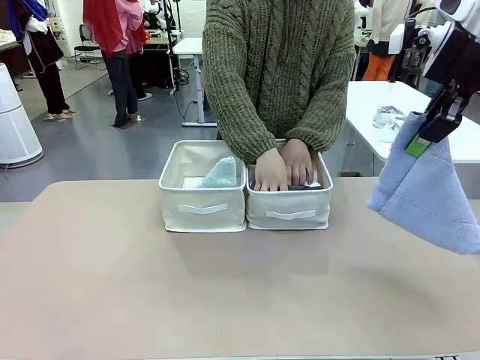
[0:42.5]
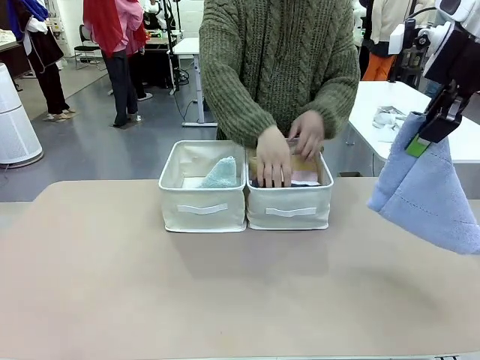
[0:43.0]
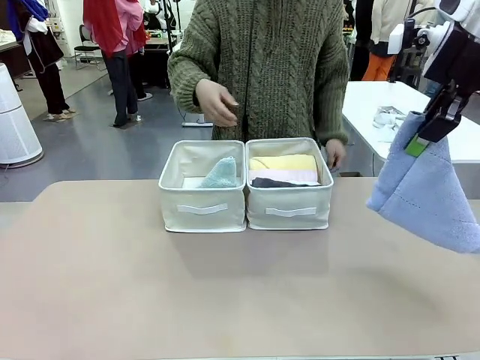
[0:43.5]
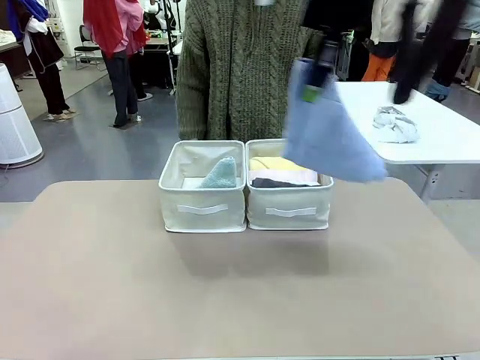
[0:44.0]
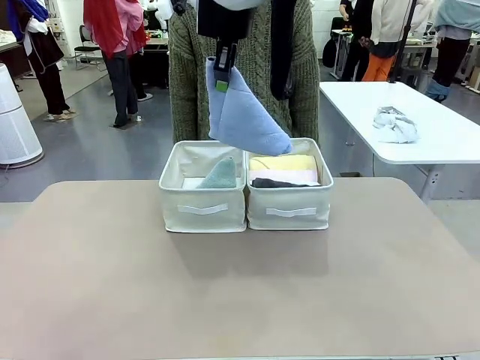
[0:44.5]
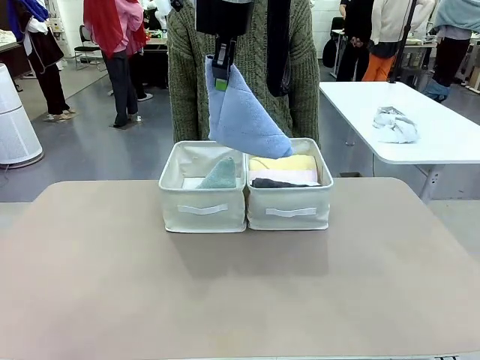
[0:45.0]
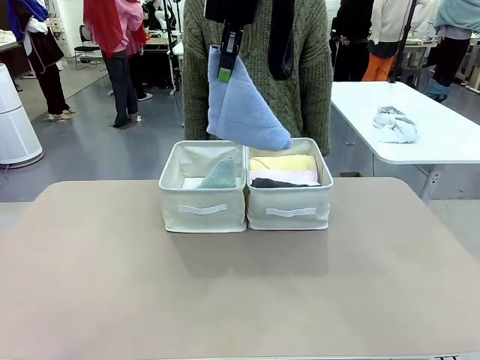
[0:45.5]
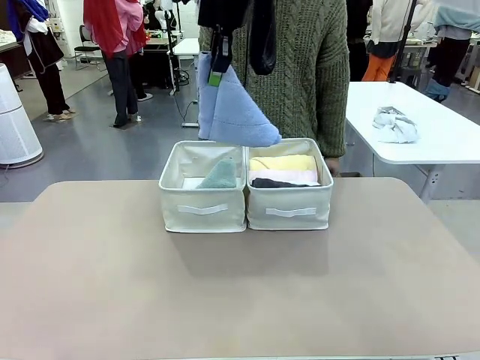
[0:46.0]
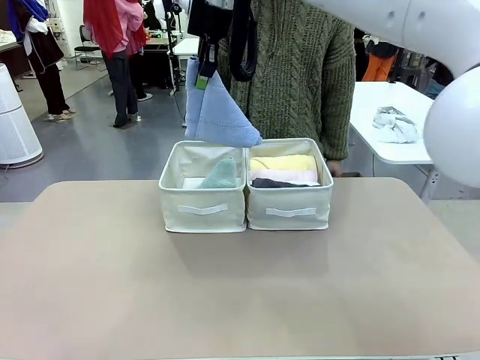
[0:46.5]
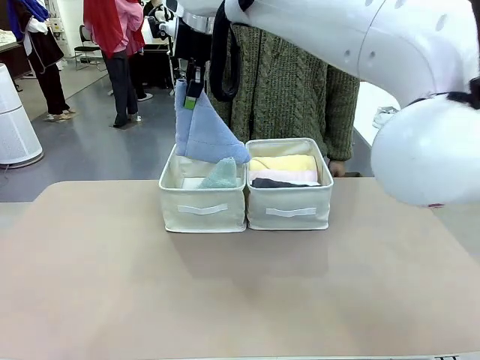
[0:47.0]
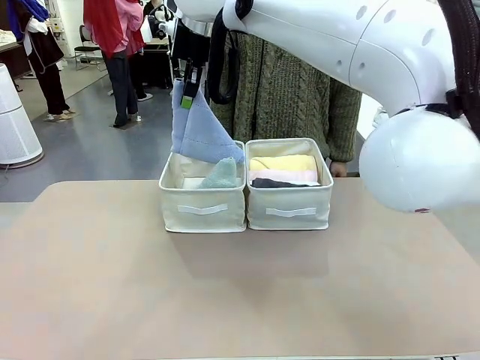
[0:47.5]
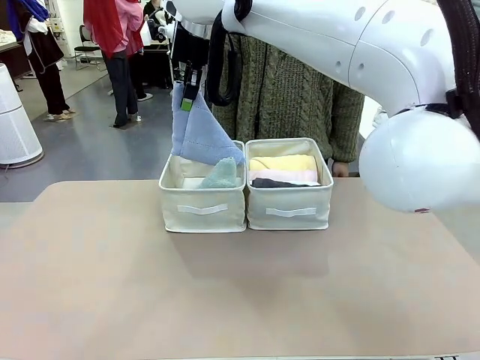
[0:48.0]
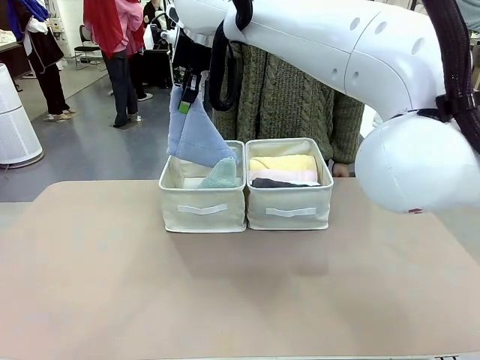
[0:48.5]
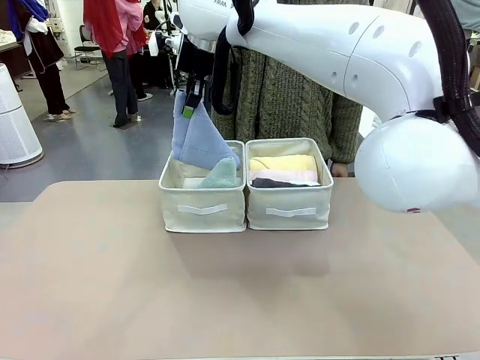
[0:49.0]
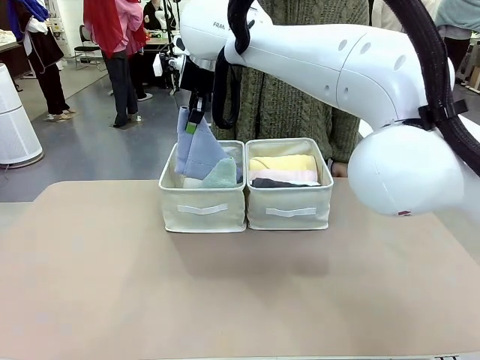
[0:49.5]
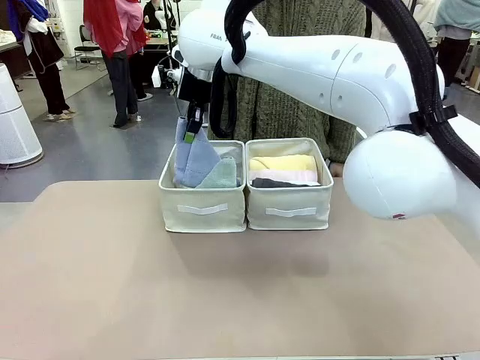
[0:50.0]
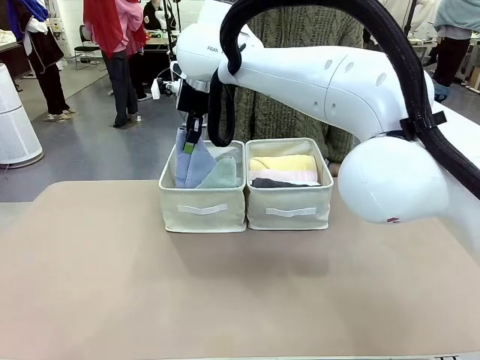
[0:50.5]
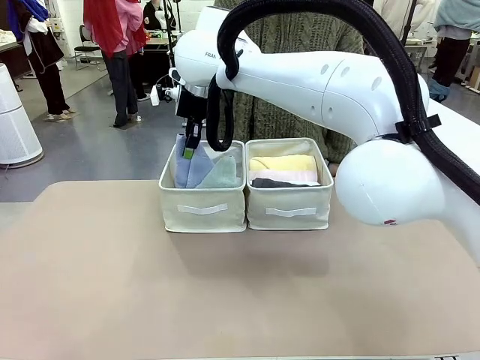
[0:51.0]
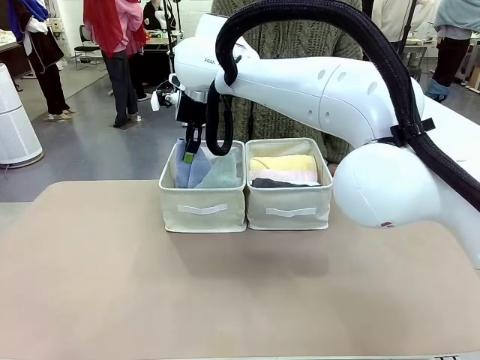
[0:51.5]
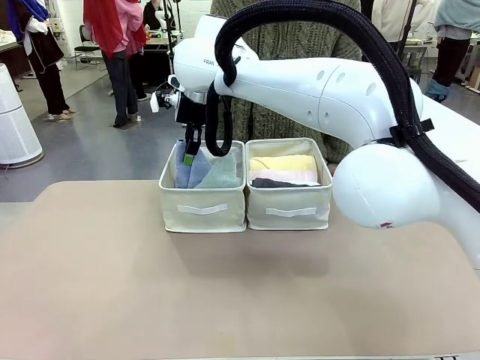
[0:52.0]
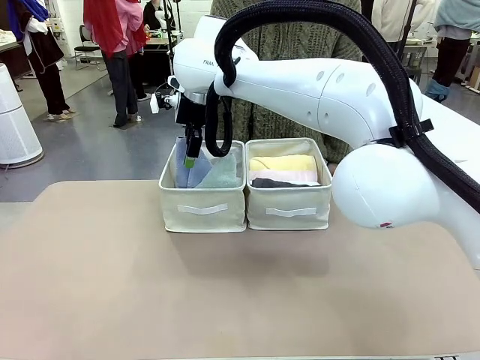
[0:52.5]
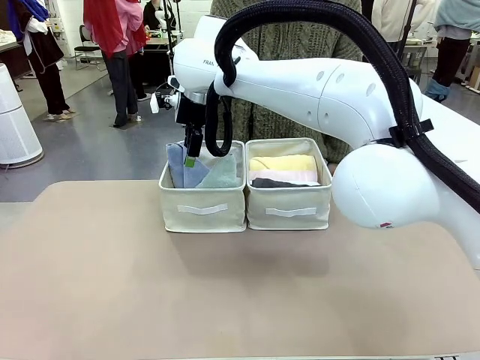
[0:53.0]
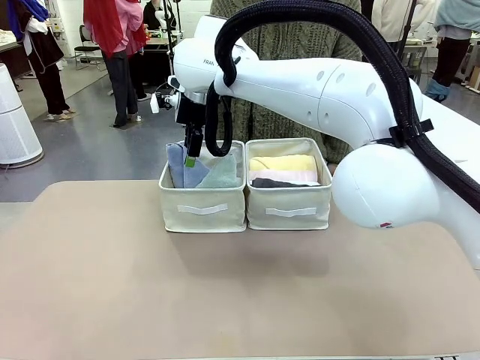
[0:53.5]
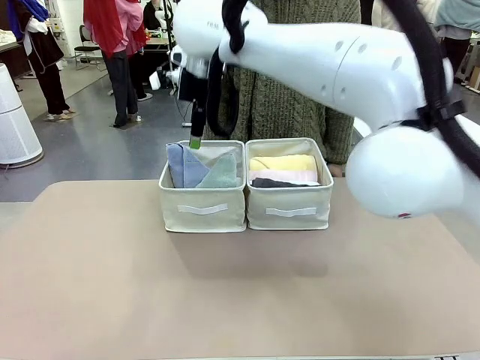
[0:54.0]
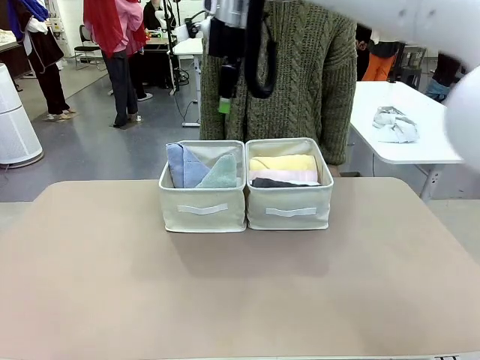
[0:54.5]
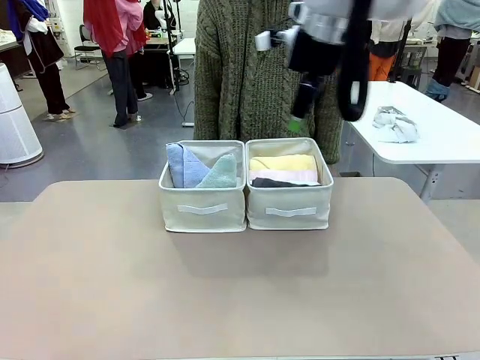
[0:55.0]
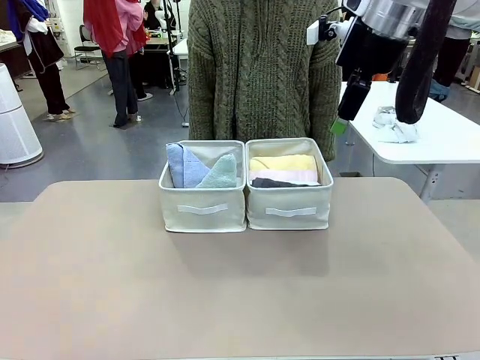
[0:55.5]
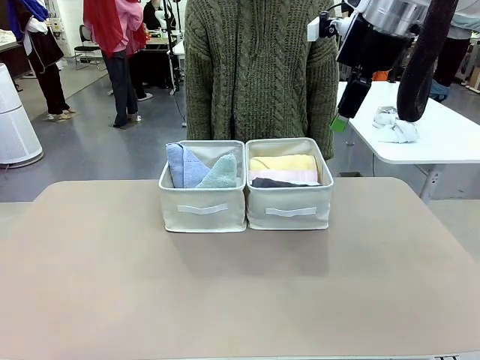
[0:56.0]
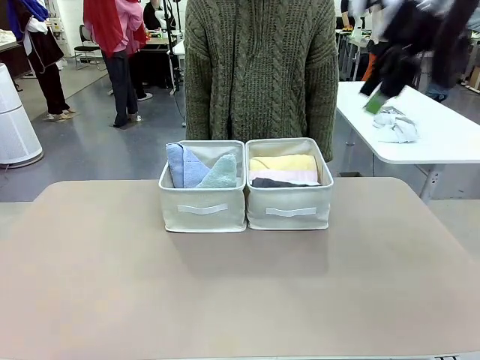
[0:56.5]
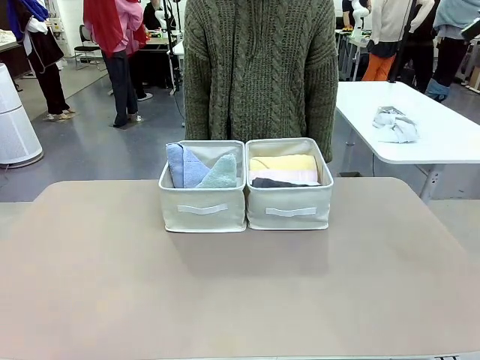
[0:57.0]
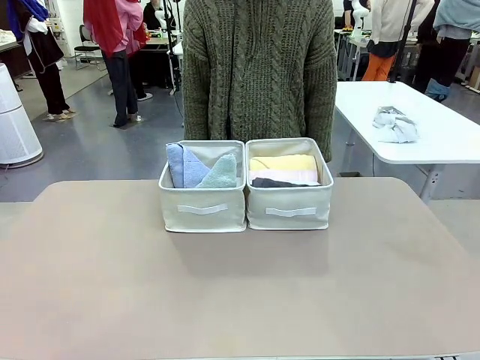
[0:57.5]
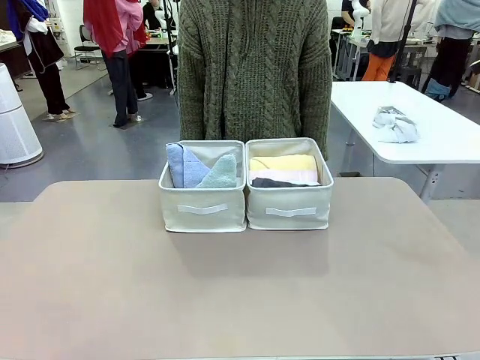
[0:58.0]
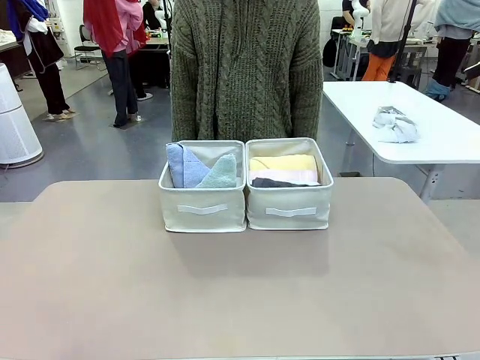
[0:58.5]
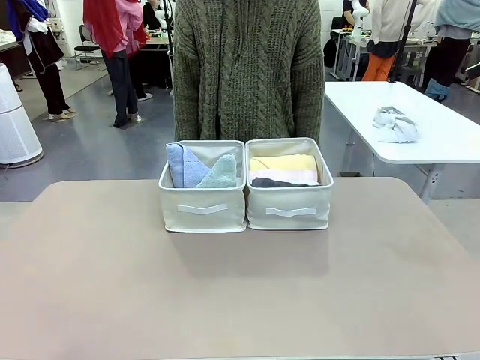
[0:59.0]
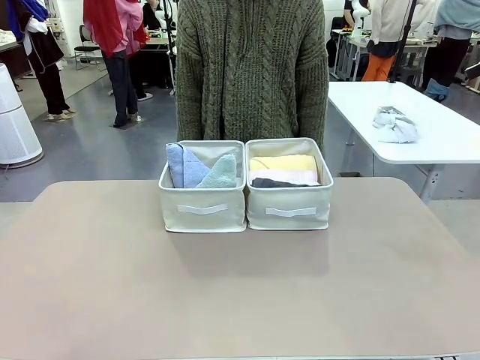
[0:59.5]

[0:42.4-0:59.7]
Task: Sort the towels based on their folding style.
Robot: Pick up another triangle-folded towel from the table and place it in the left Fabric basket.

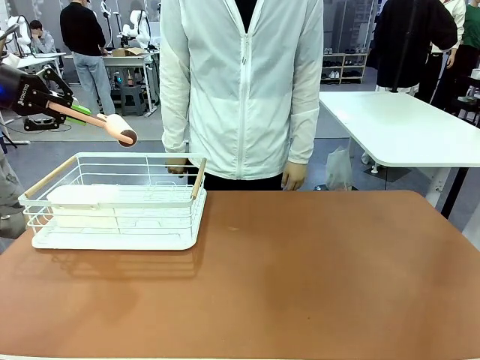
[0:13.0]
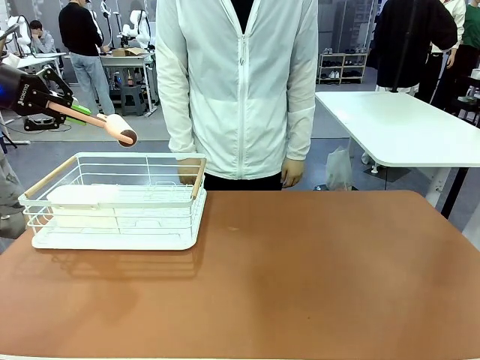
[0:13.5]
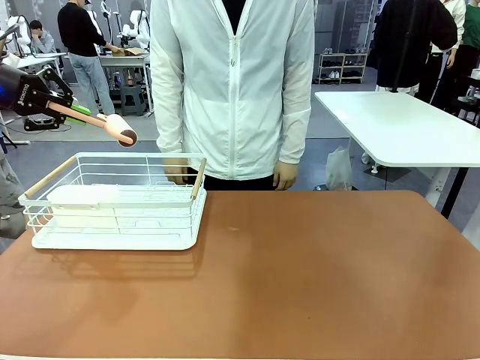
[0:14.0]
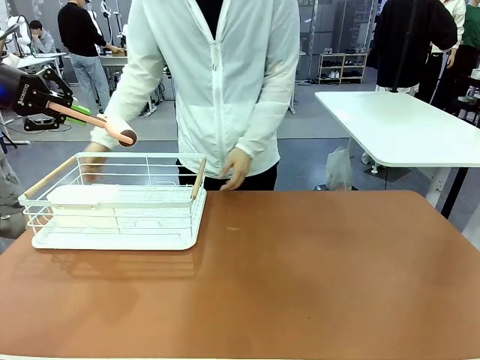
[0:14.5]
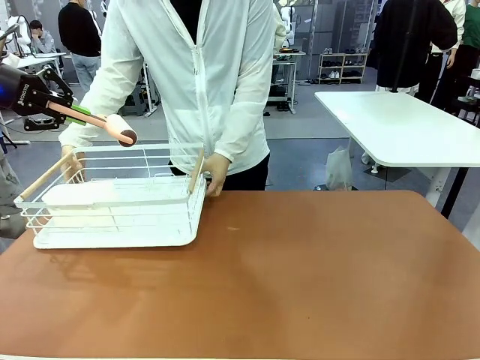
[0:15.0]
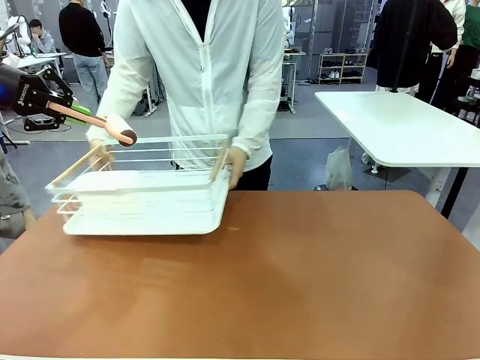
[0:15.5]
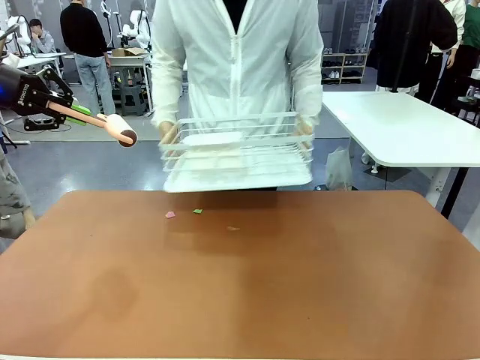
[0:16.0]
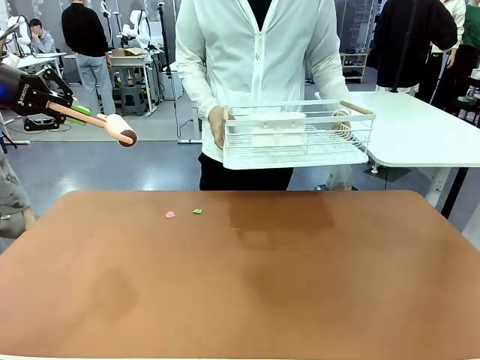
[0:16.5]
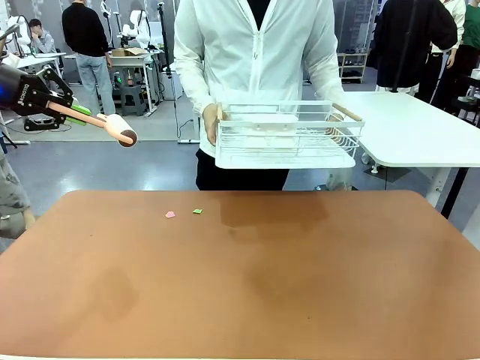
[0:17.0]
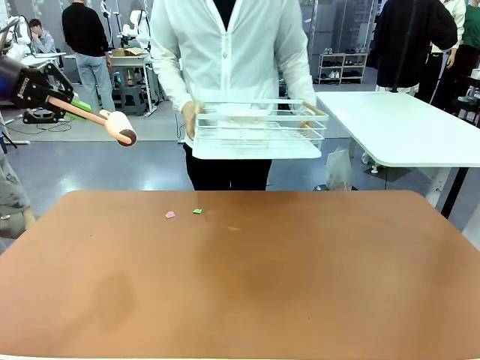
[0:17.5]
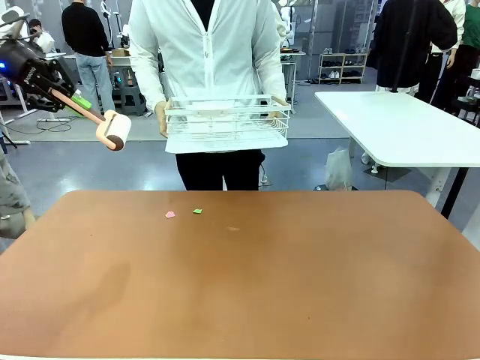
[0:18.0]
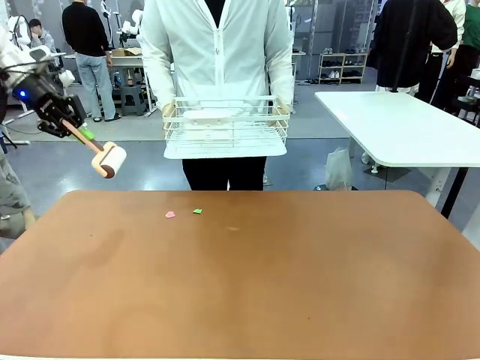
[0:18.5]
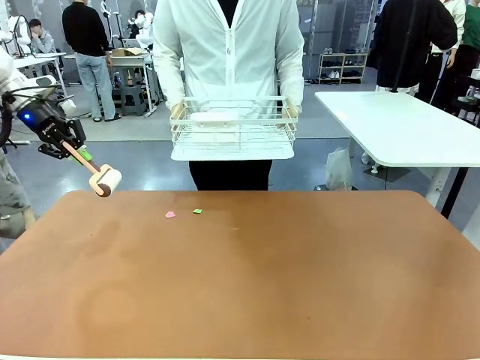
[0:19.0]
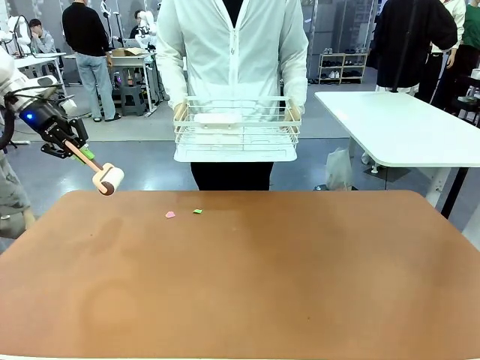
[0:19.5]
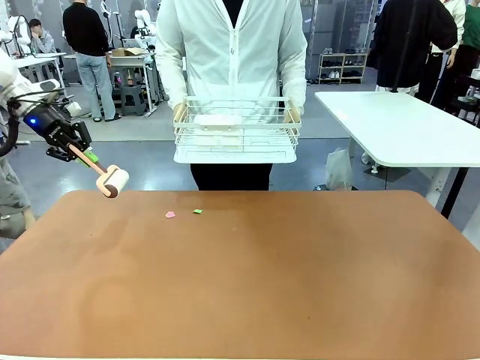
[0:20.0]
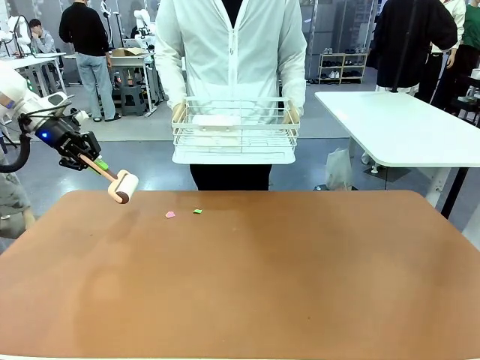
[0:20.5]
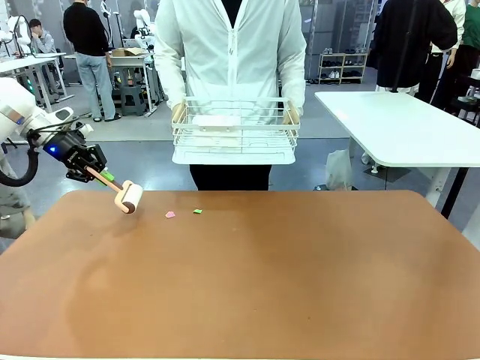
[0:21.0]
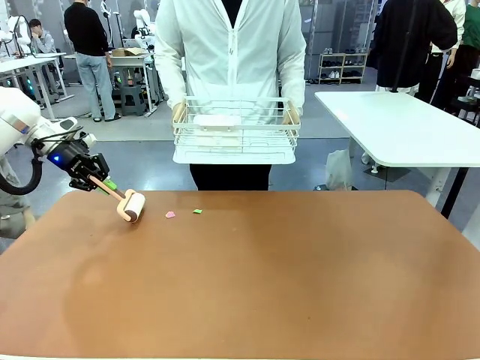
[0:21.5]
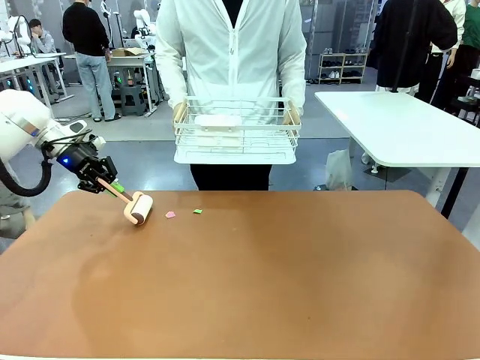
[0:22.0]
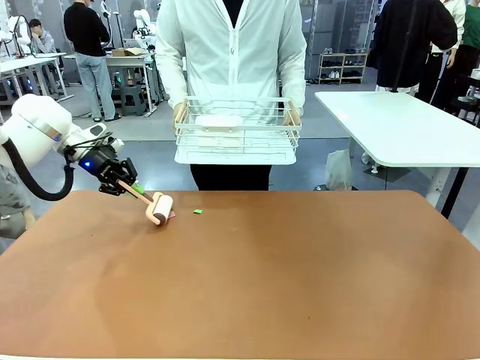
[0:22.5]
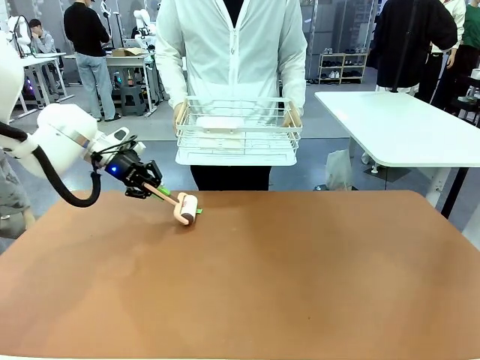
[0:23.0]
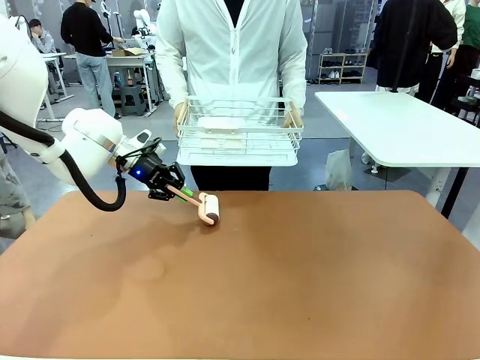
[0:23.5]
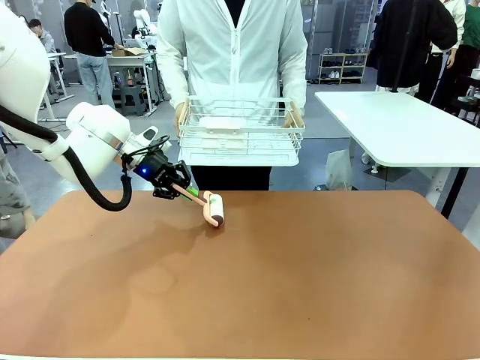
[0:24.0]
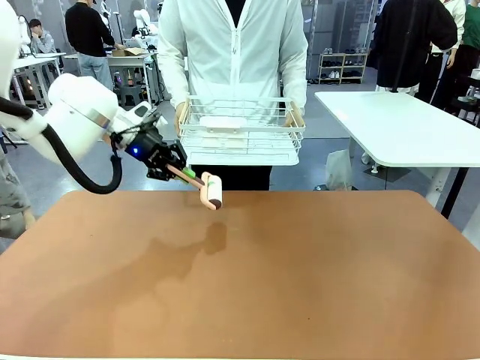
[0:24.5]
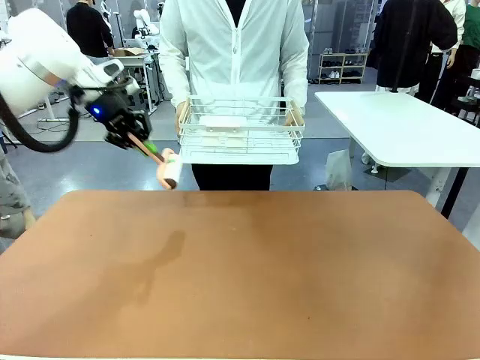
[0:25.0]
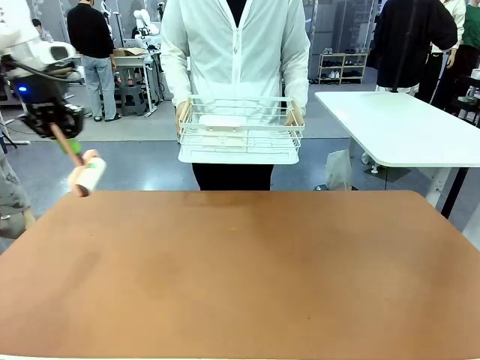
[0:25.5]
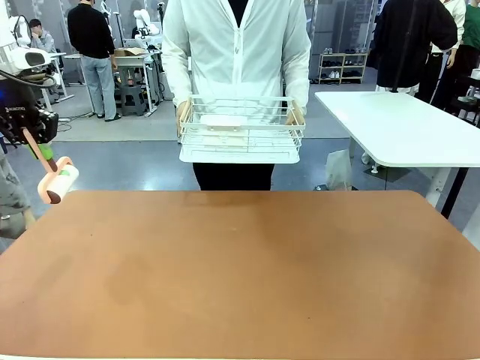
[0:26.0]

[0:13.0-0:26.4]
Task: Clean the table.
Robot: Clean the table with the Lint Roller when the human lifts the Dish drying rack.
Person: Place the Dish drying rack down when the robot finishes cleaning.
